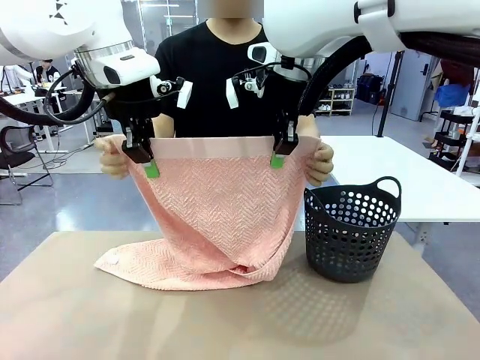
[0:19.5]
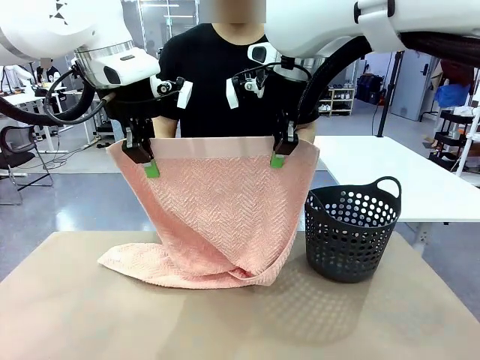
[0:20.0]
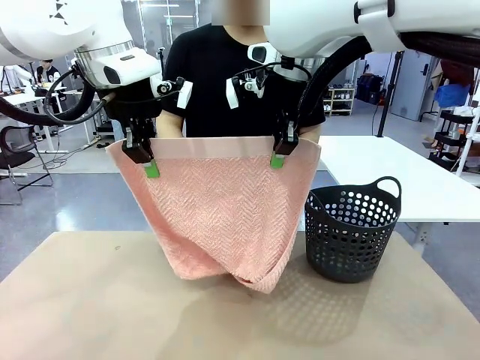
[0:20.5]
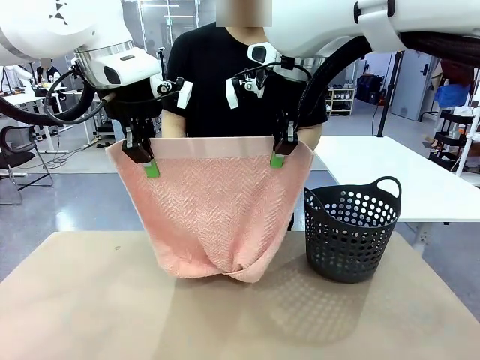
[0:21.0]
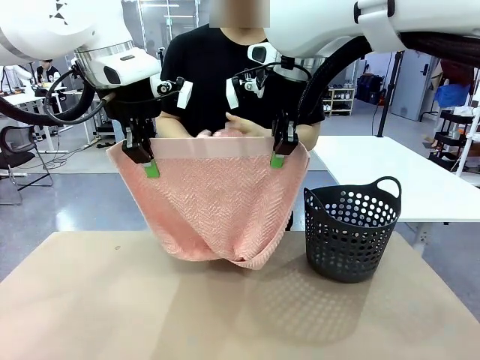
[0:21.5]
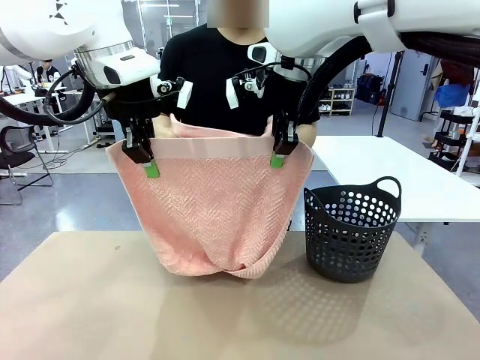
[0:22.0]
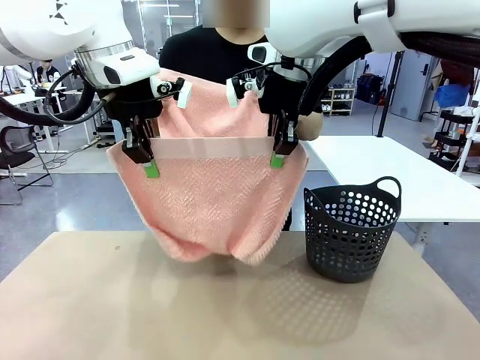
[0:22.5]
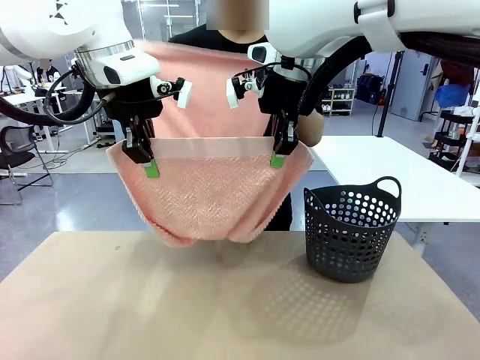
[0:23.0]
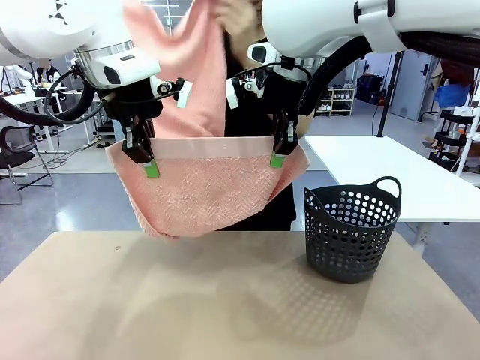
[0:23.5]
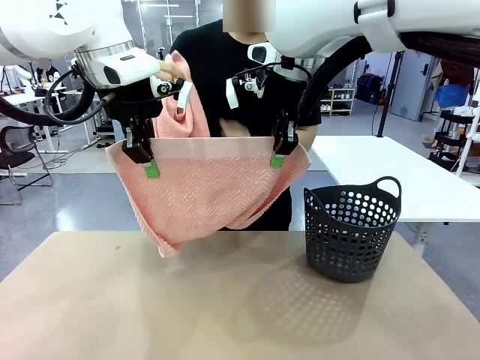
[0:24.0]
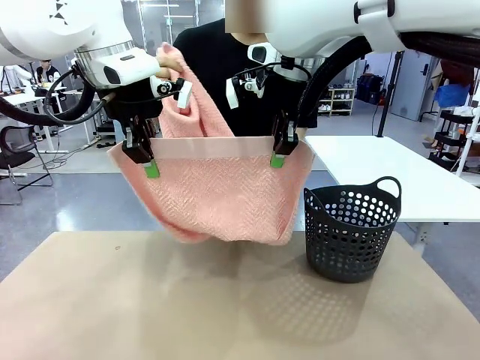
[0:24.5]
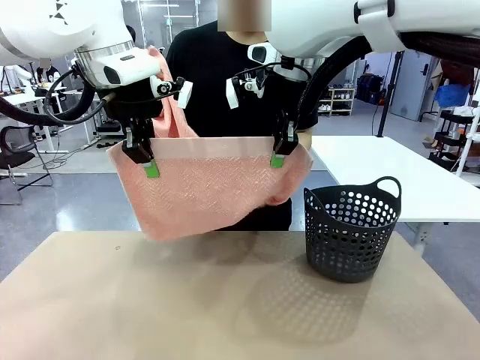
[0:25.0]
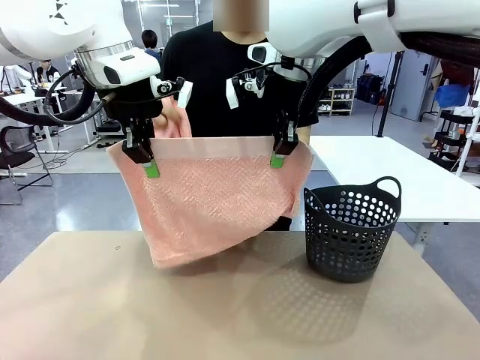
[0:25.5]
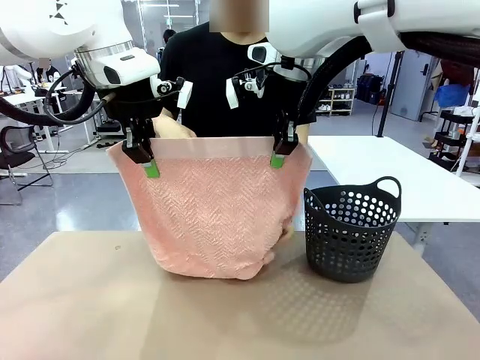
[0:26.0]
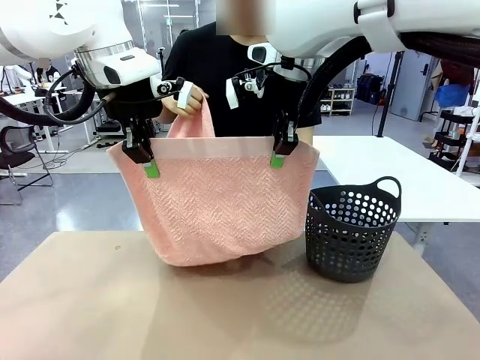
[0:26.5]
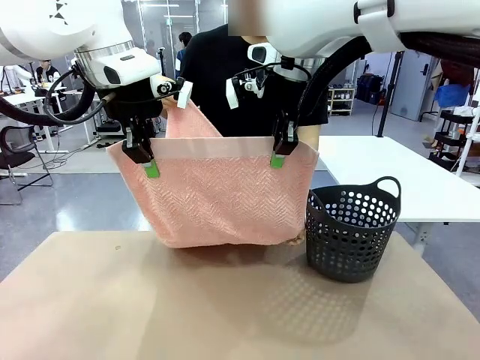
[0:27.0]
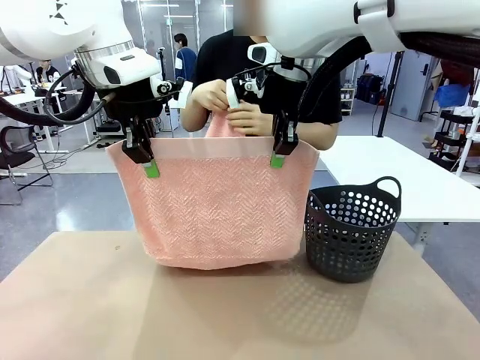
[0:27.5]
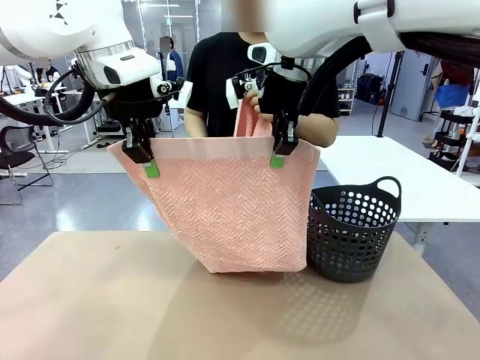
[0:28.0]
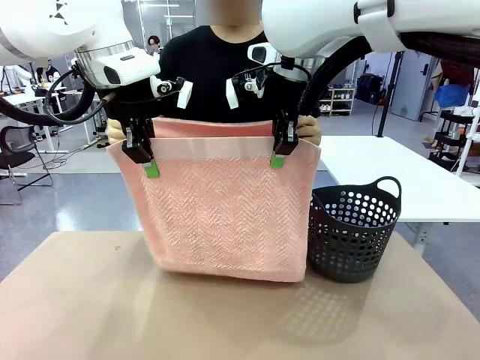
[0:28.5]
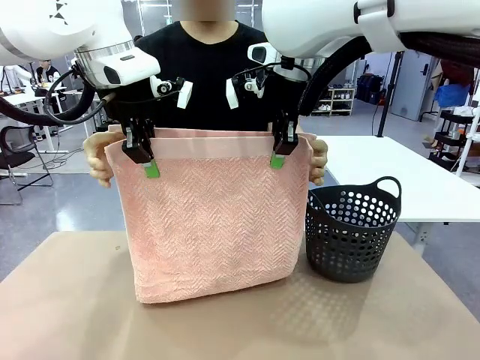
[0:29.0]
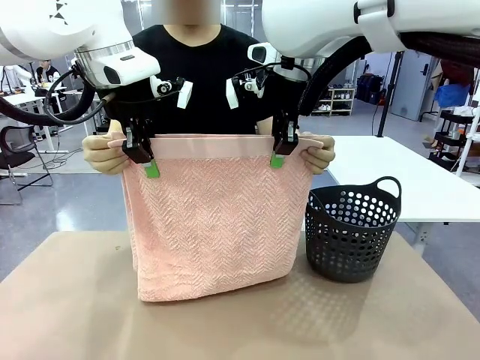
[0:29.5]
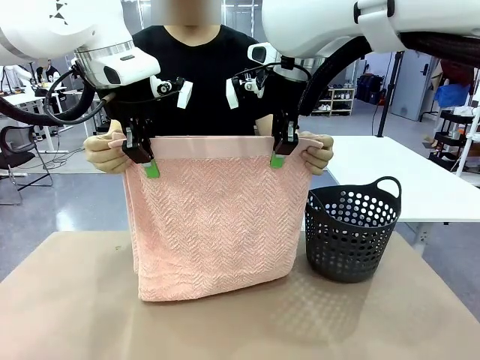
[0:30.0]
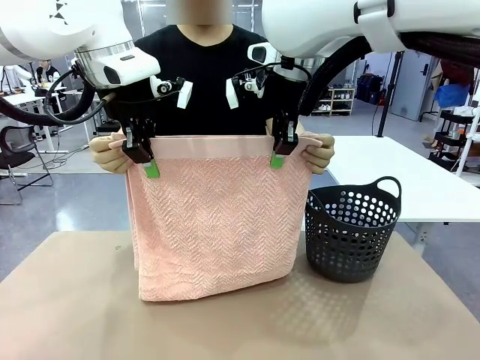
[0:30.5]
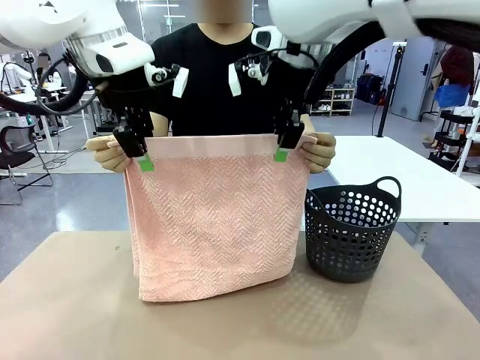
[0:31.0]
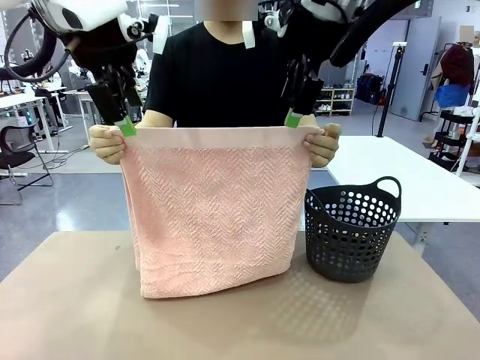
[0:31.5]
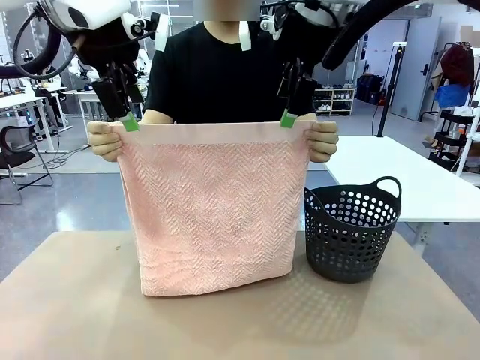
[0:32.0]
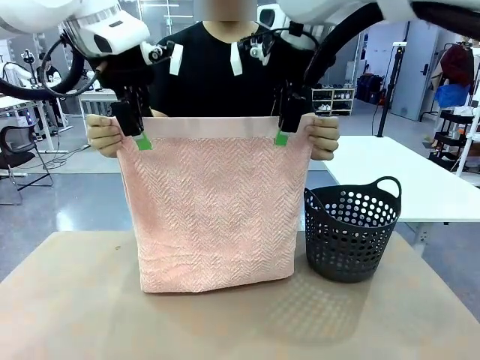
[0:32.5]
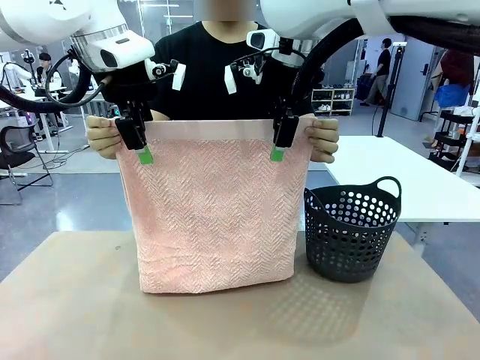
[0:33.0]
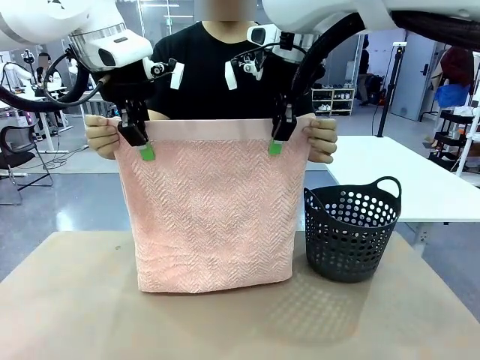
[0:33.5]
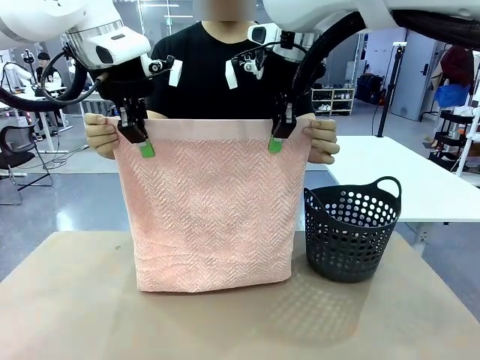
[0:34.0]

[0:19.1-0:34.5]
Task: Fold the towel.
Robot: Release the end of the 100 cm Hotel Towel you were holding and grab the top end of the folded side.
Person: Using the point held by the robot as a reference, grasp the opposite end, fold the towel in half, and then hold both ends of the folded towel.

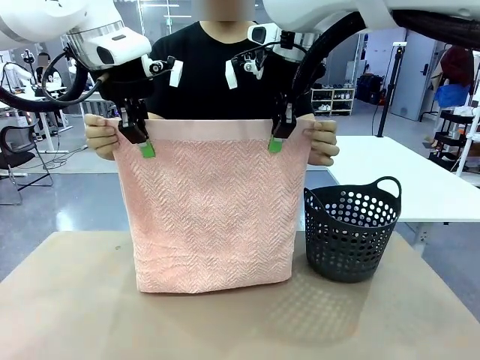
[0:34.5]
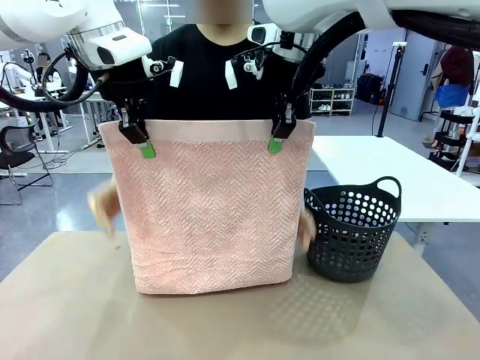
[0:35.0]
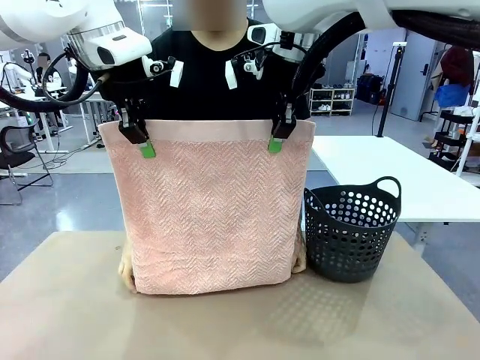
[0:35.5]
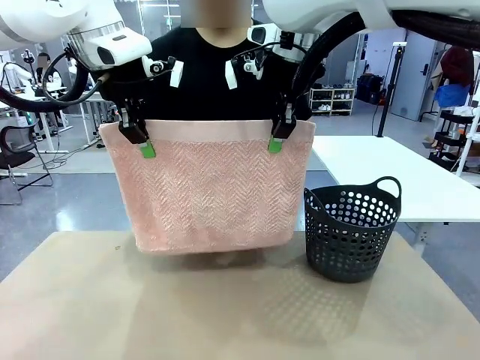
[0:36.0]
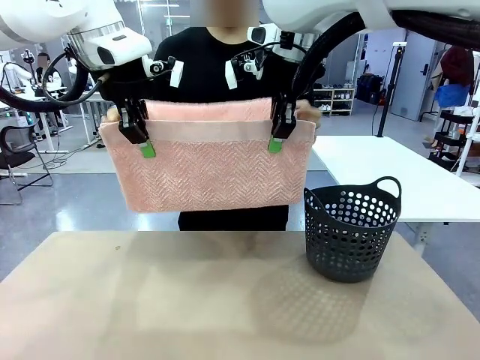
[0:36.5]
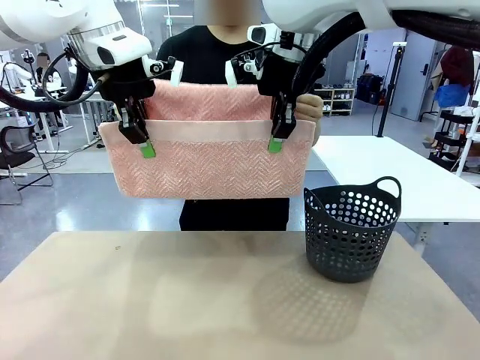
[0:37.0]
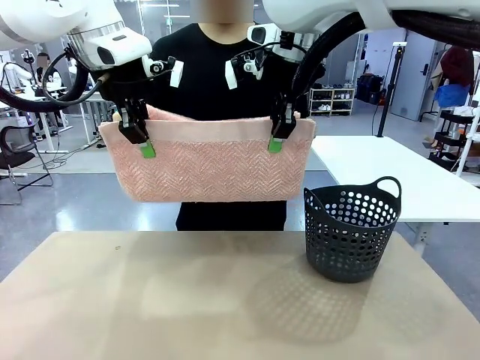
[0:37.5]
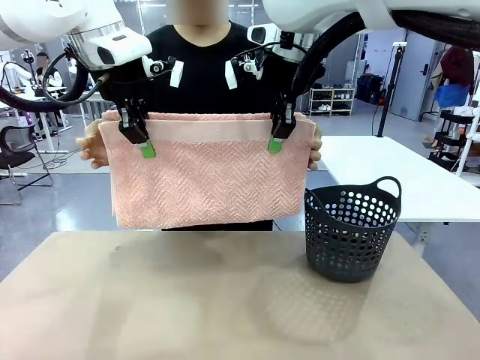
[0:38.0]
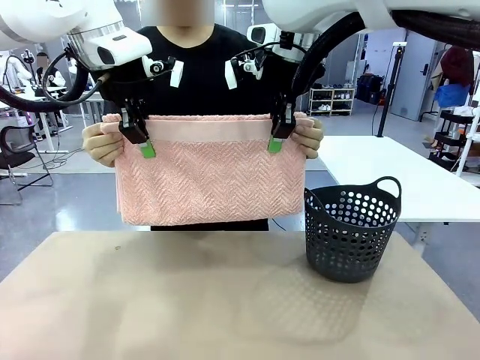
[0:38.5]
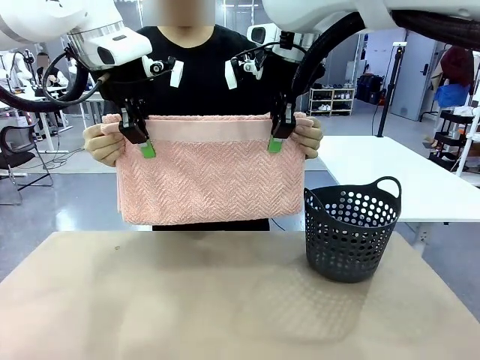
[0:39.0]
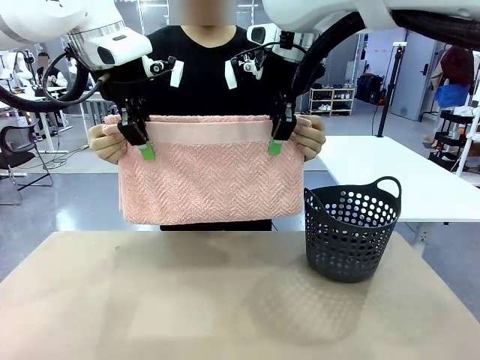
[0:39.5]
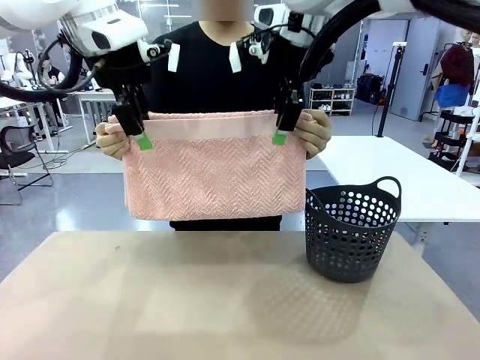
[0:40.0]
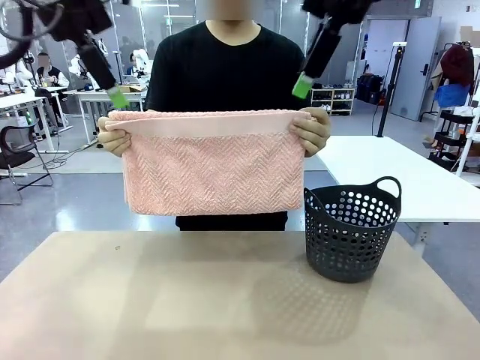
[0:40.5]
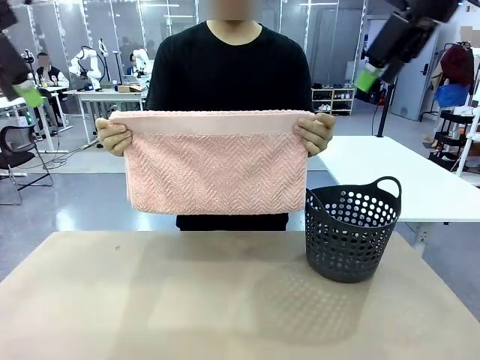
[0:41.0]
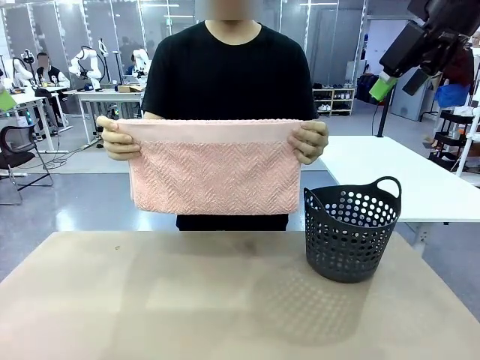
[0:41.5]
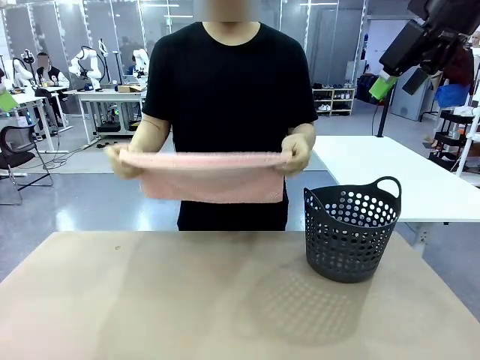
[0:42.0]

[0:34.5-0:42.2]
Robot: Release the end of the 100 cm Hotel Towel you were holding.
Person: Place the towel at the center of the robot table and fold it in half.
